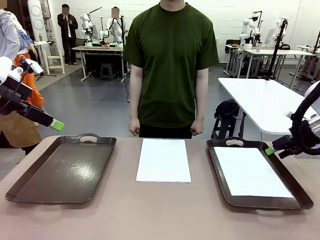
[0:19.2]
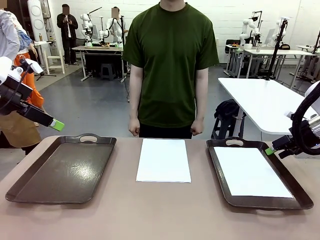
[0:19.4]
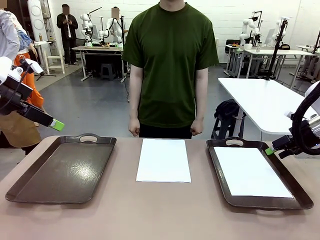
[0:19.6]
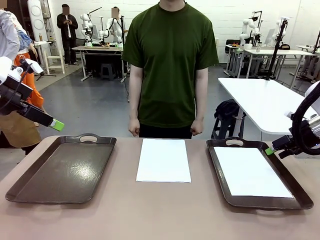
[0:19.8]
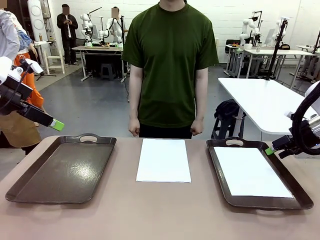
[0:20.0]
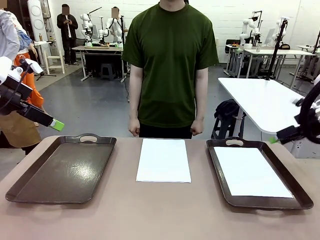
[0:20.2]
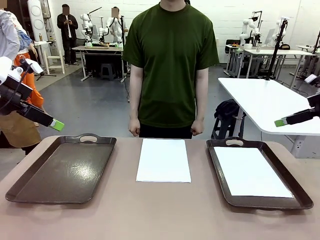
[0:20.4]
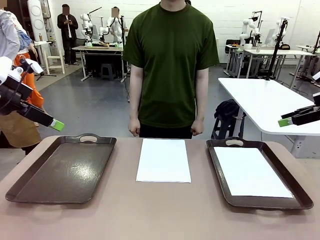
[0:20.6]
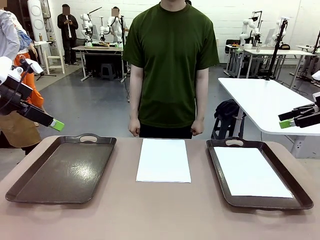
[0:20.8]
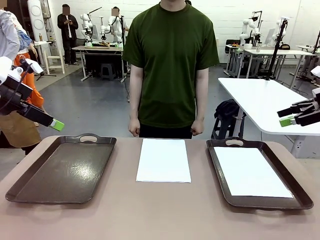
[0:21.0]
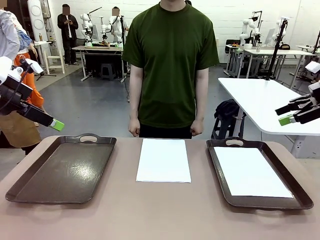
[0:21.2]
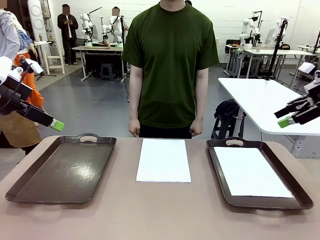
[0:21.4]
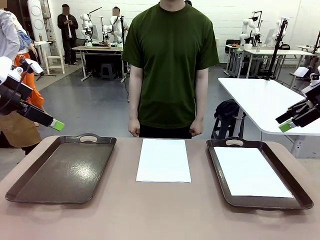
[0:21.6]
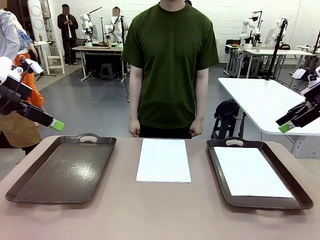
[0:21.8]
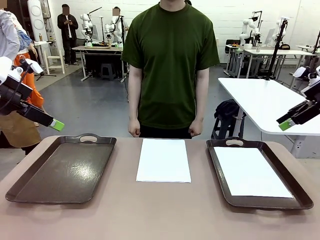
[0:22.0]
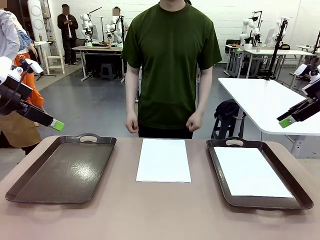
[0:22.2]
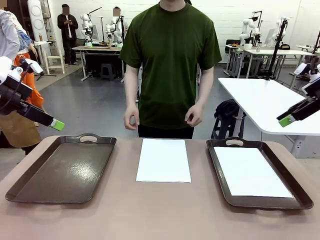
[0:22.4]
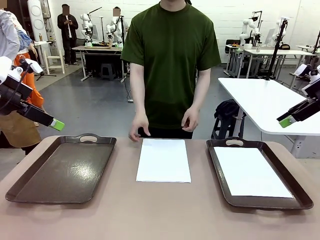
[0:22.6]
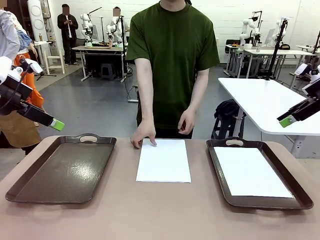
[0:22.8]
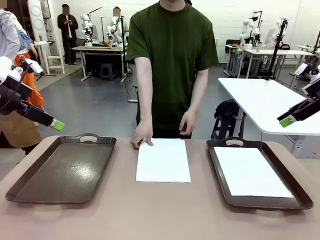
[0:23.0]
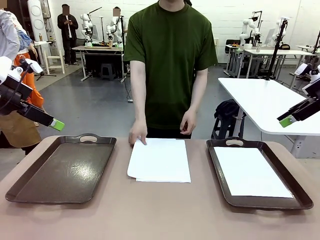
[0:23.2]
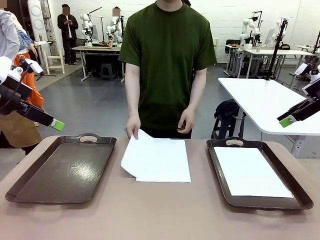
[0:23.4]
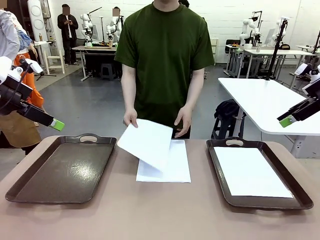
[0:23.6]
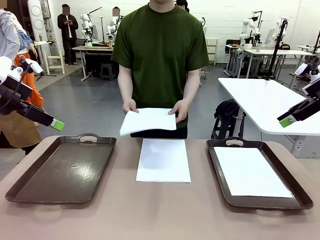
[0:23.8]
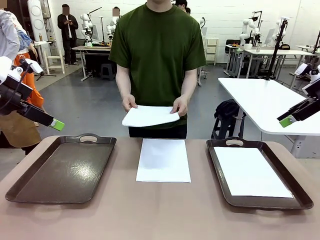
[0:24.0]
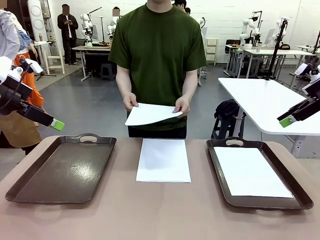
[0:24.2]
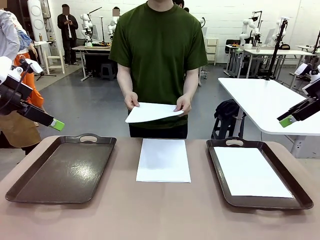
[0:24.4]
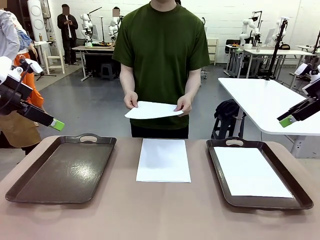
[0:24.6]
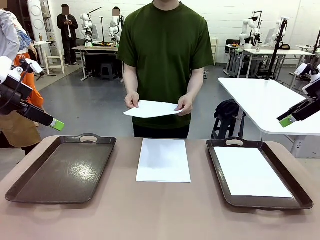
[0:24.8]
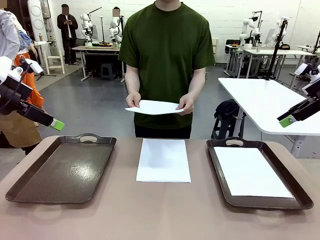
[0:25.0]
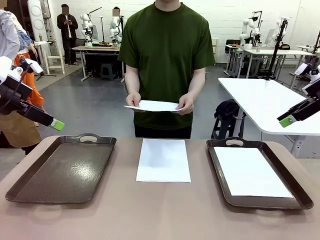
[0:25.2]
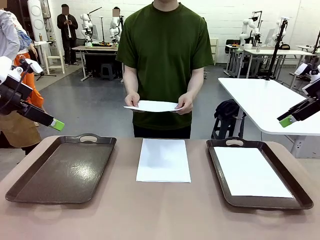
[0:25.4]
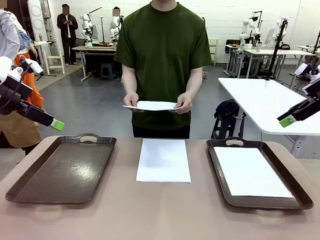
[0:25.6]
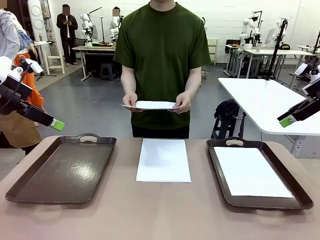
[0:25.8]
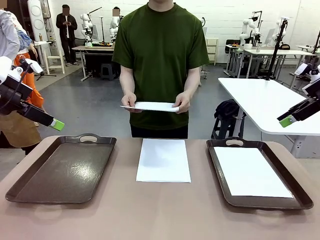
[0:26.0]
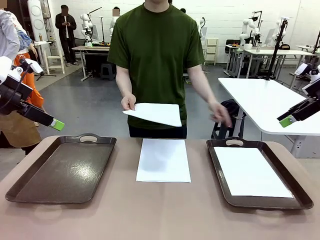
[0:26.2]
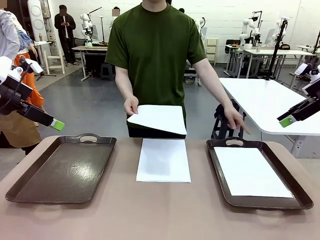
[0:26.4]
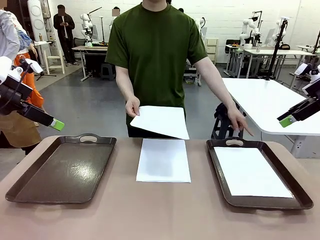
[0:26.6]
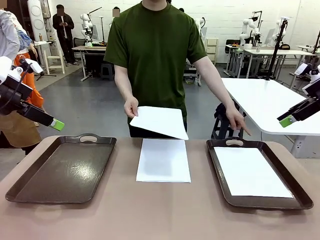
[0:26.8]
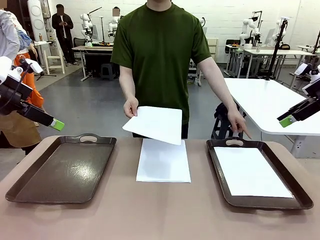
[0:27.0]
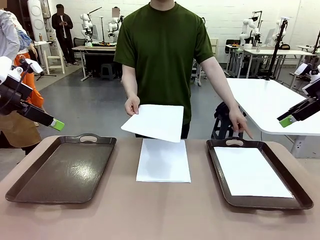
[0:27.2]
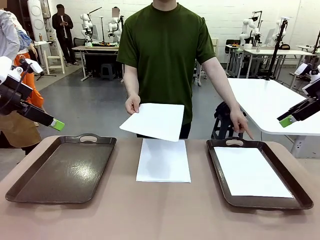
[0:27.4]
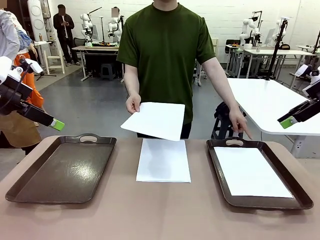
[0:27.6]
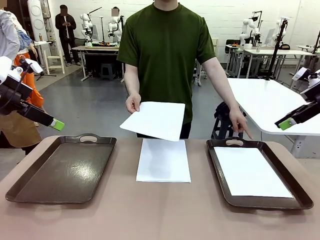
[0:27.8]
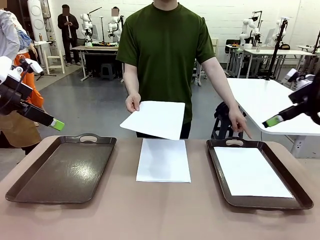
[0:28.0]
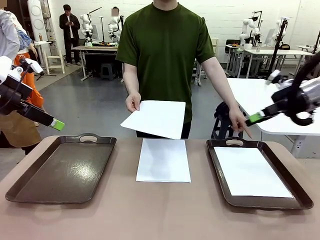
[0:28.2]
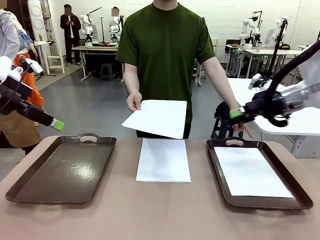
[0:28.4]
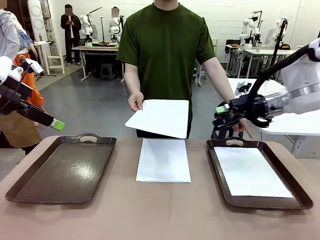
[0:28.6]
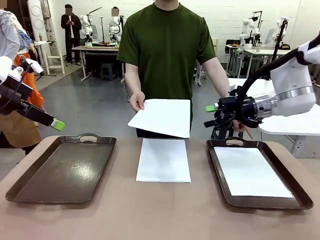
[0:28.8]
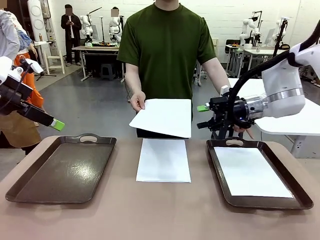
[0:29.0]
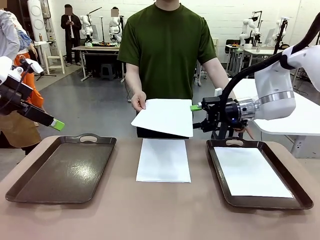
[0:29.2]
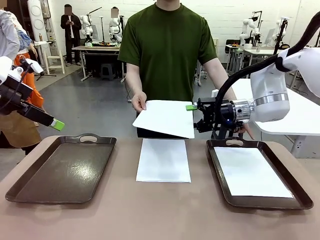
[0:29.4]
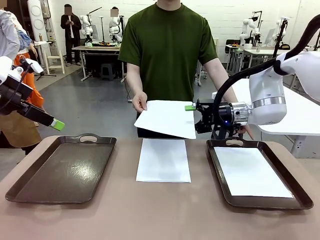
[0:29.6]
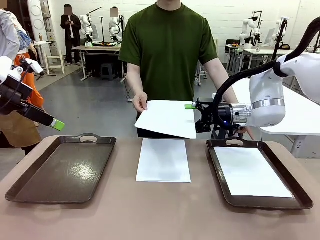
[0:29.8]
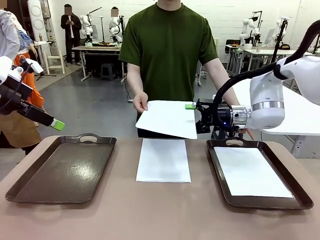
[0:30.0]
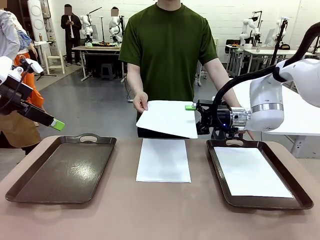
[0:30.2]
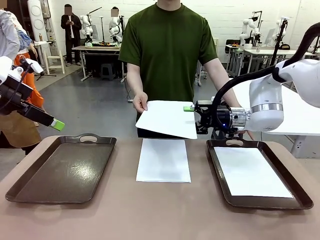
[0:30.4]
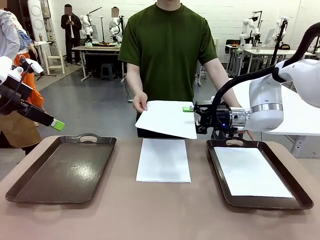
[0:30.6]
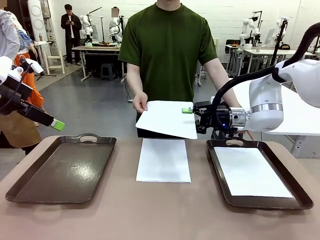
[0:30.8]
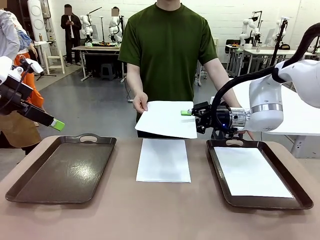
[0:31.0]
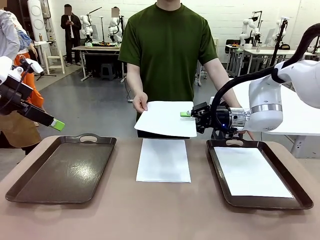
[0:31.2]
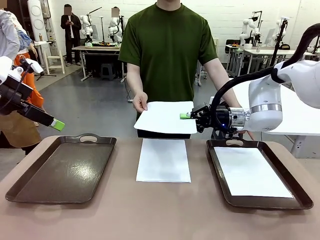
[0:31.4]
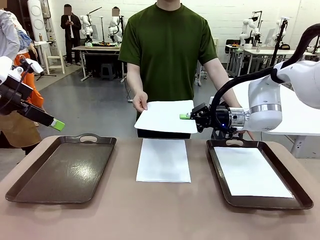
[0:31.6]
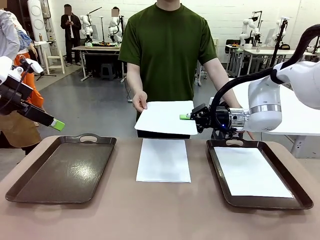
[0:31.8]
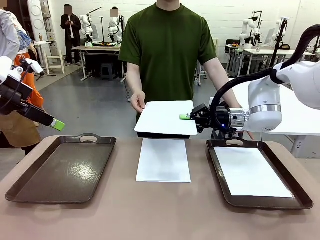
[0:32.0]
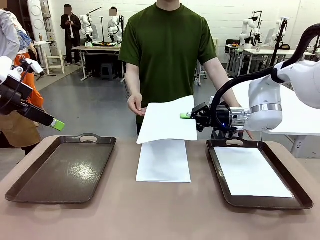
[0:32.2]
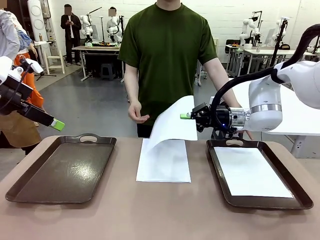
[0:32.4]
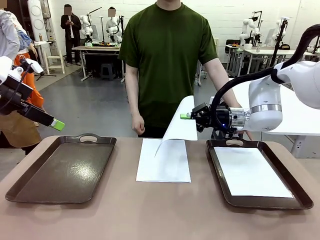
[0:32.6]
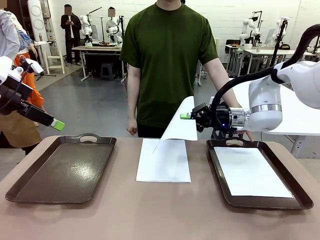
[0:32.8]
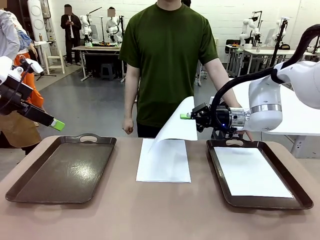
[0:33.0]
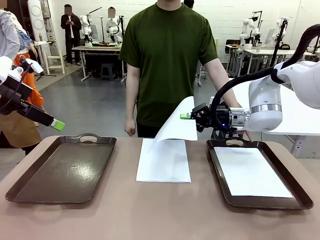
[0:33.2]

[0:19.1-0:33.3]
Task: Sort the A4 documents.
Robot: Receive the A4 Paper.
Person: Point the randomly selected tray with the other hand.

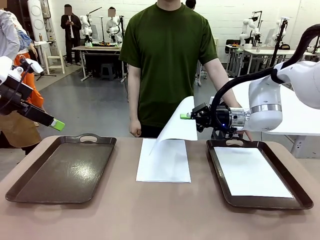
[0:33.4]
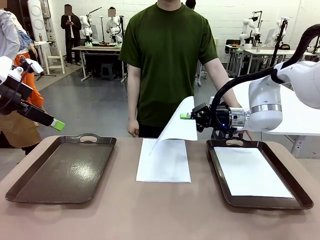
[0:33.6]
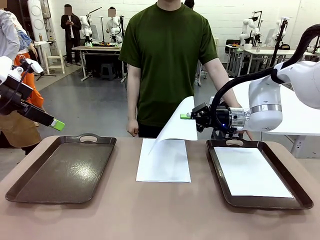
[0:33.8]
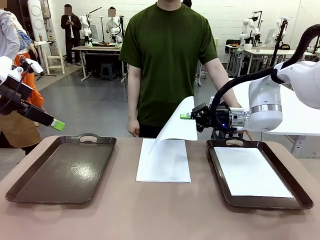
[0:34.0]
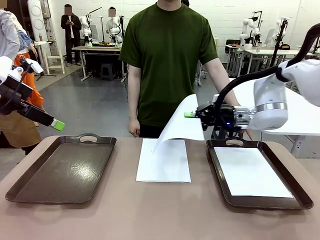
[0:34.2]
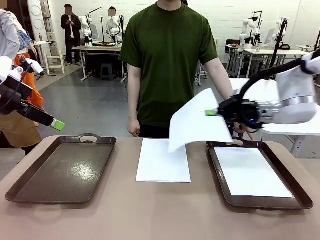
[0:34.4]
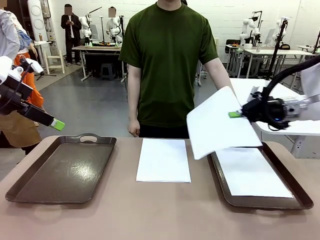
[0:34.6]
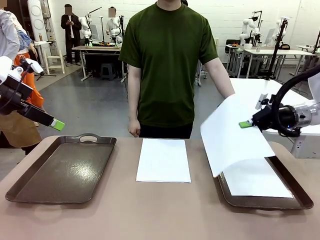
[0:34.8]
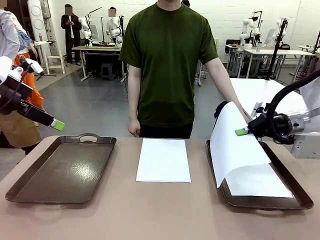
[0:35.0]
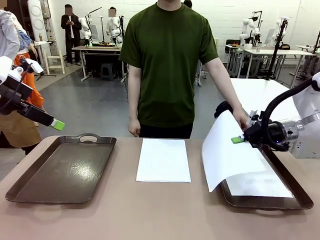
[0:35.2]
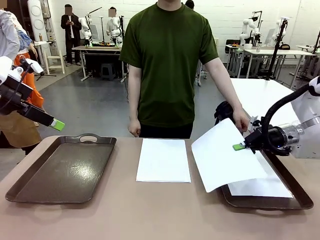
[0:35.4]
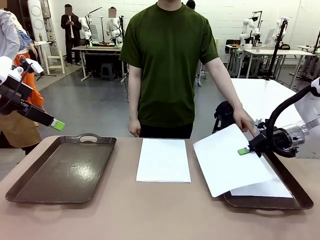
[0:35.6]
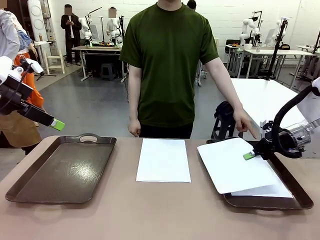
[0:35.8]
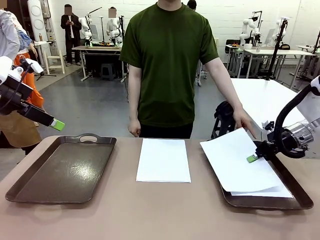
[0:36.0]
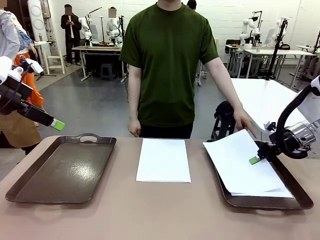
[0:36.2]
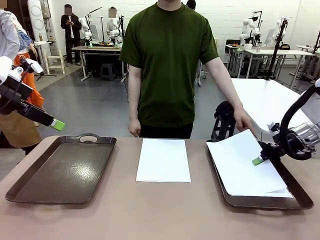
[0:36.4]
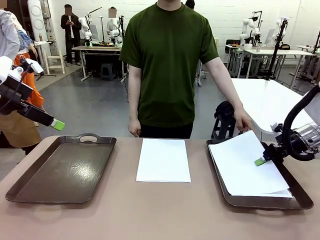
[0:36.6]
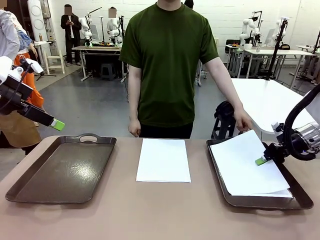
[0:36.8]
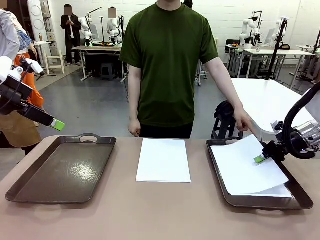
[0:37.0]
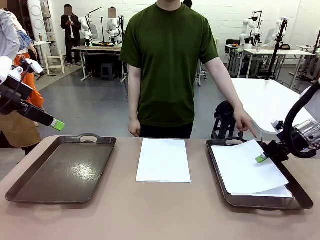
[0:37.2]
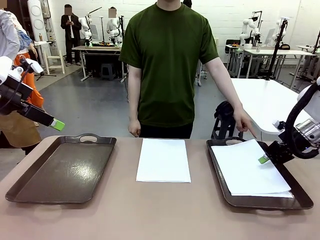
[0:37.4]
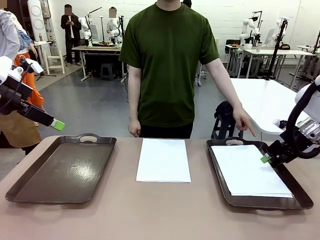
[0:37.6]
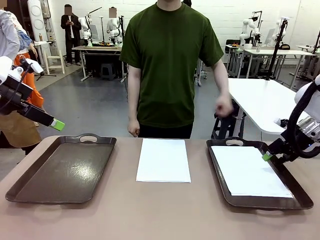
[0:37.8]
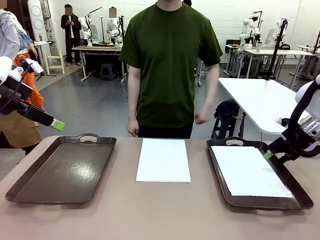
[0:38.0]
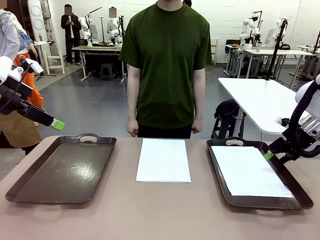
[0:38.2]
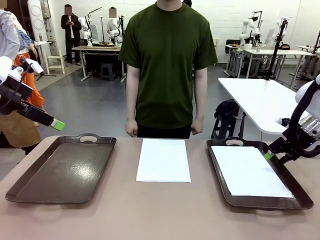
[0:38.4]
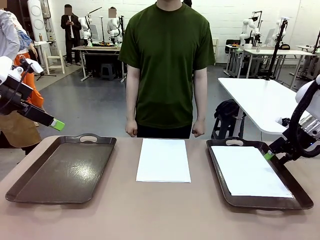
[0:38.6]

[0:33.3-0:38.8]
Robot: Place the A4 Paper in the designated Handle tray.
